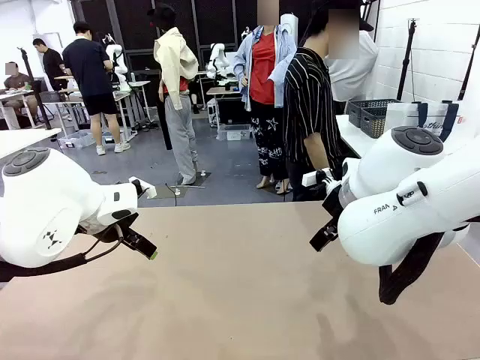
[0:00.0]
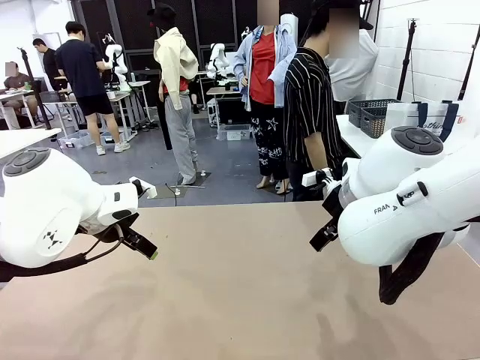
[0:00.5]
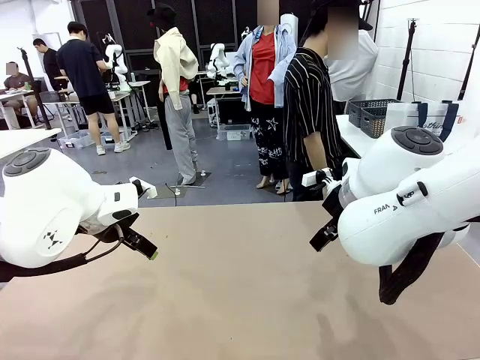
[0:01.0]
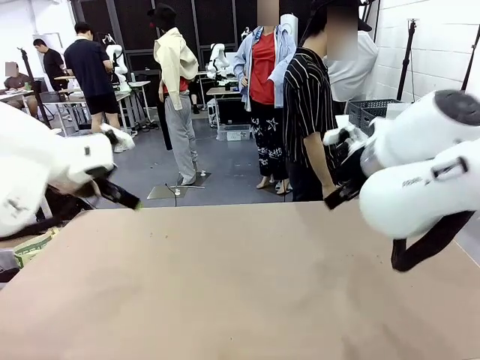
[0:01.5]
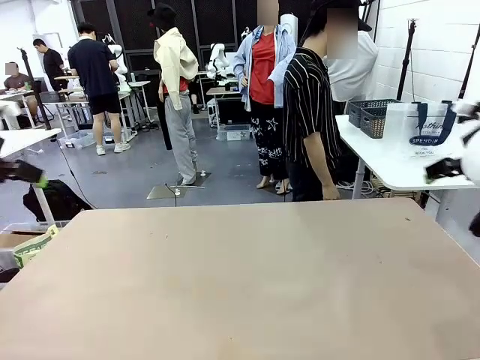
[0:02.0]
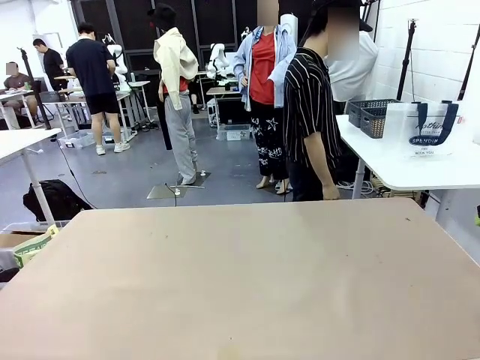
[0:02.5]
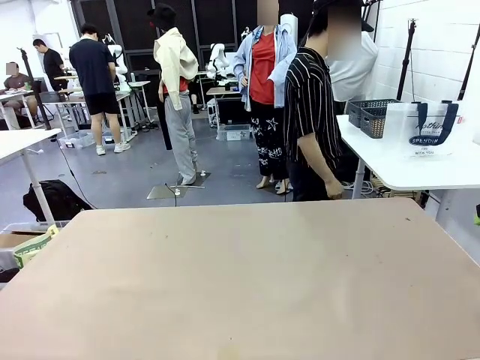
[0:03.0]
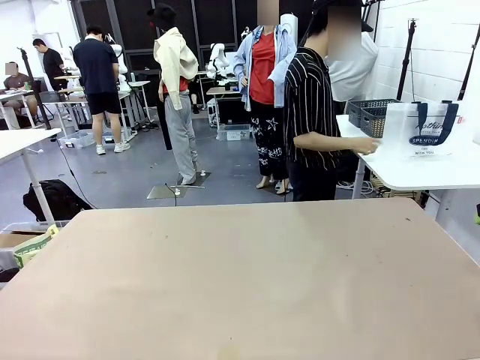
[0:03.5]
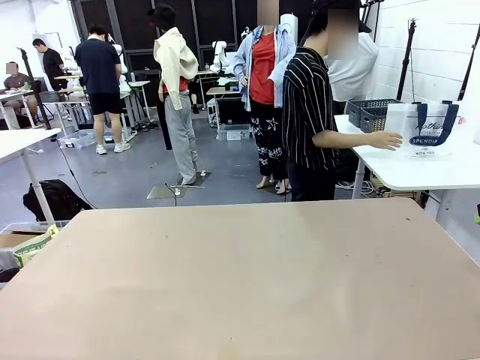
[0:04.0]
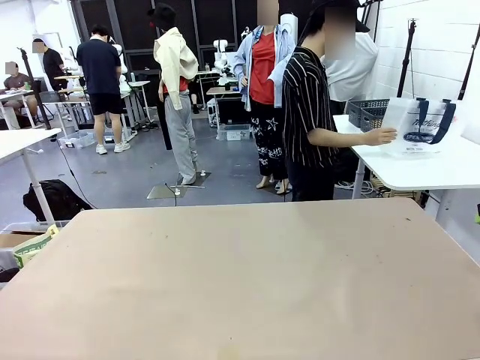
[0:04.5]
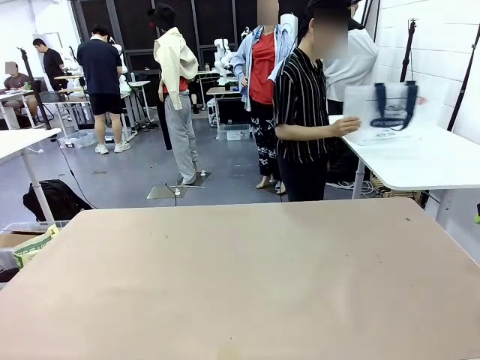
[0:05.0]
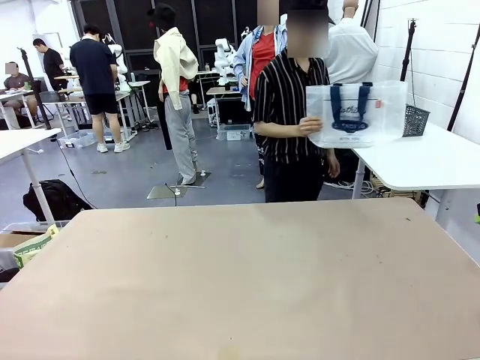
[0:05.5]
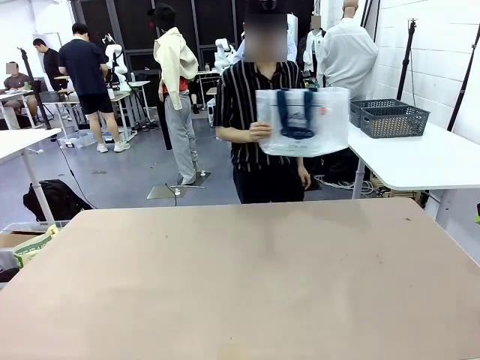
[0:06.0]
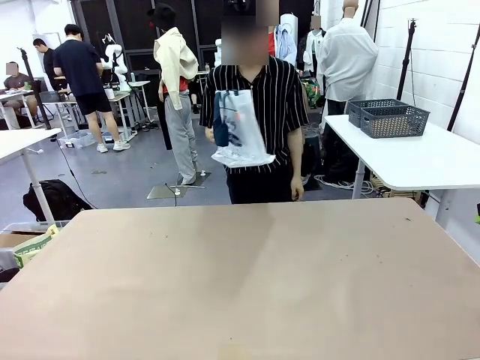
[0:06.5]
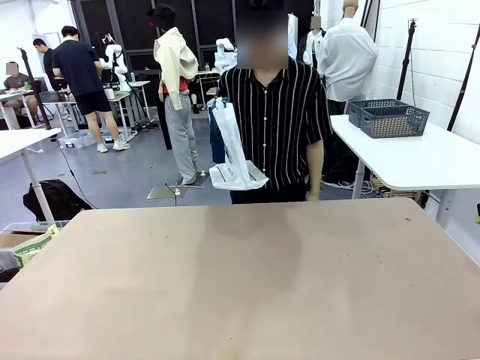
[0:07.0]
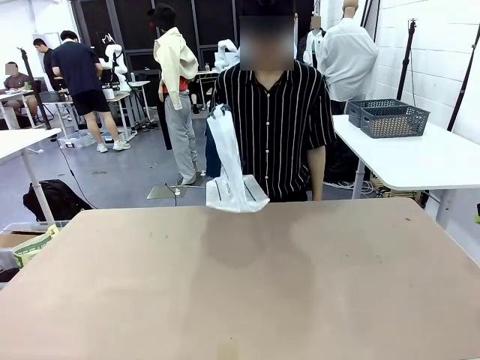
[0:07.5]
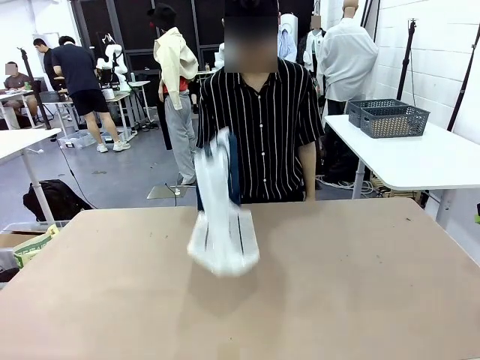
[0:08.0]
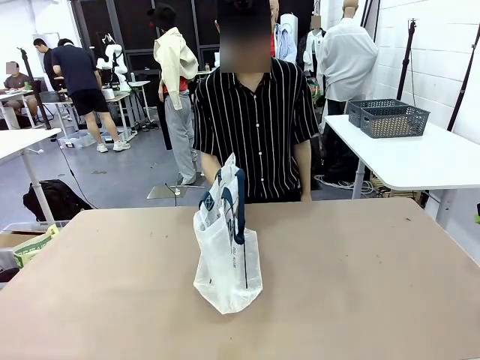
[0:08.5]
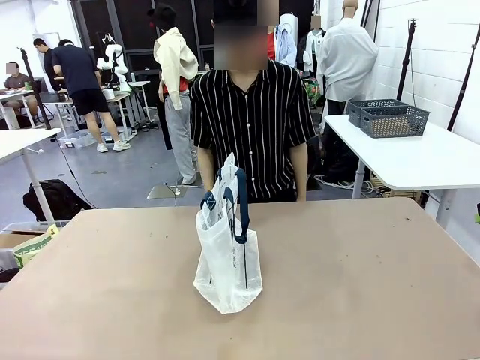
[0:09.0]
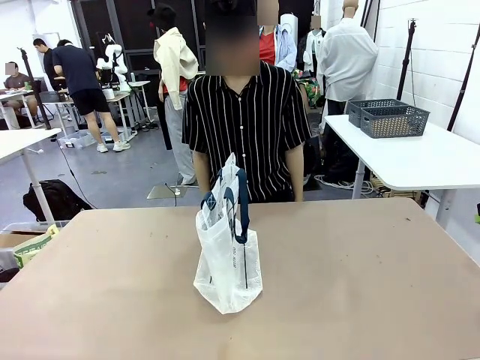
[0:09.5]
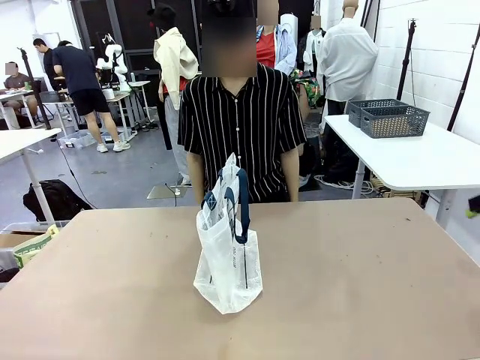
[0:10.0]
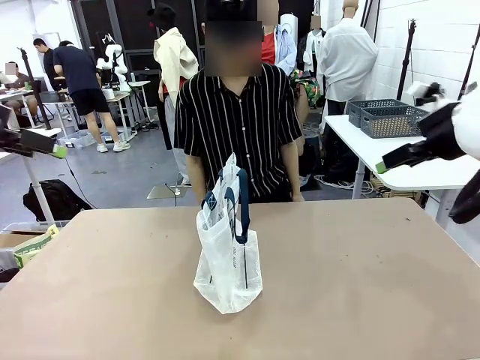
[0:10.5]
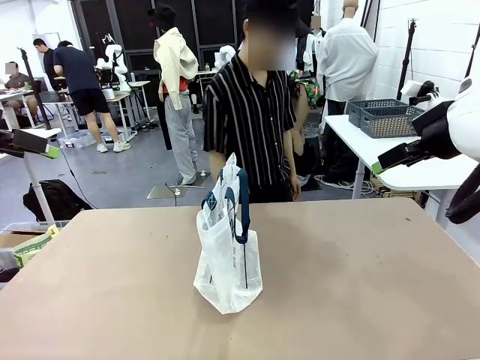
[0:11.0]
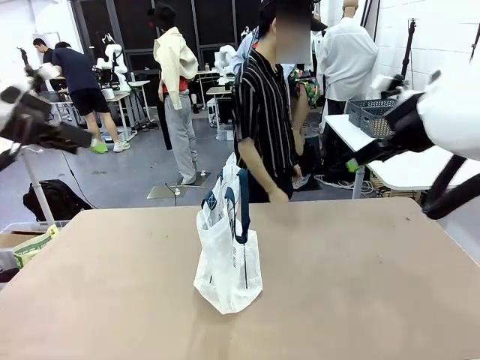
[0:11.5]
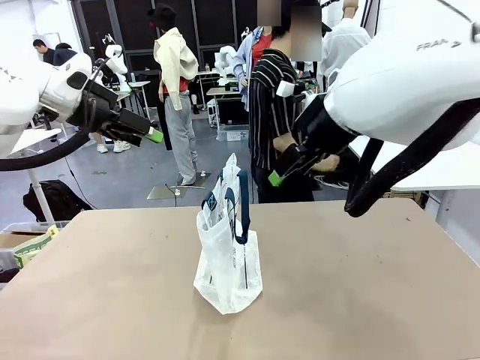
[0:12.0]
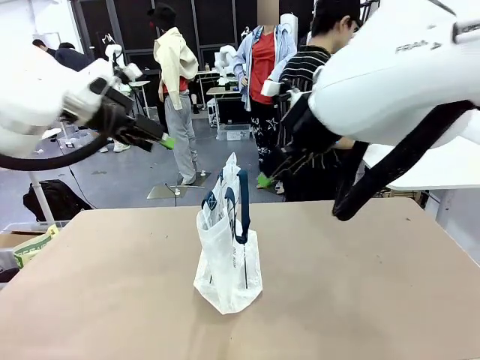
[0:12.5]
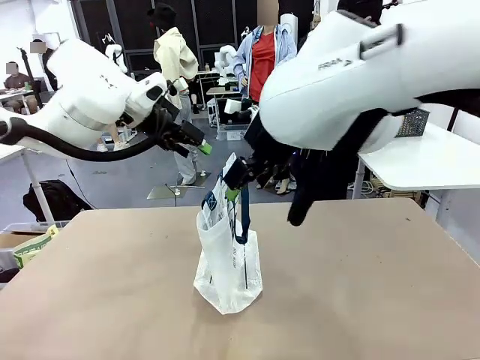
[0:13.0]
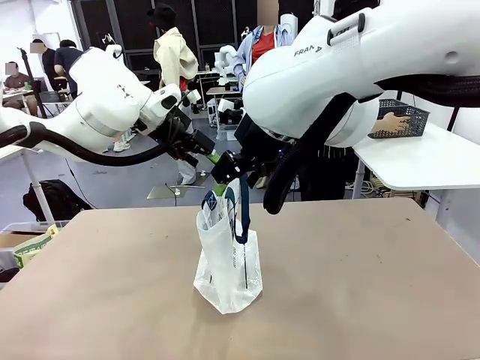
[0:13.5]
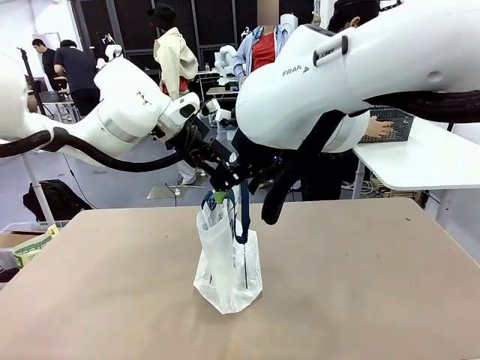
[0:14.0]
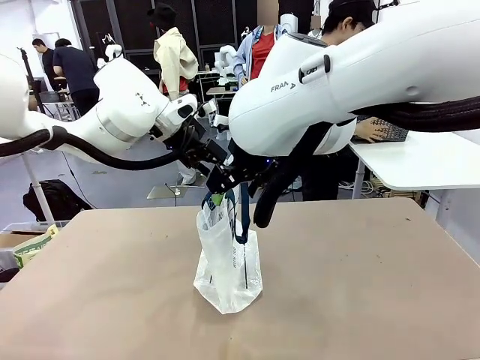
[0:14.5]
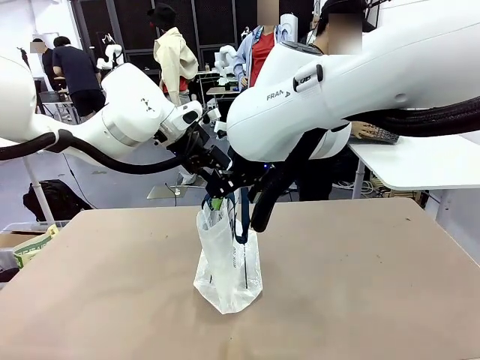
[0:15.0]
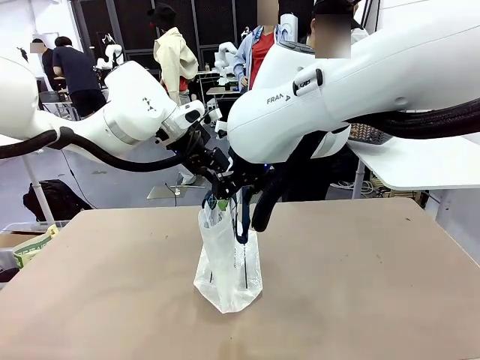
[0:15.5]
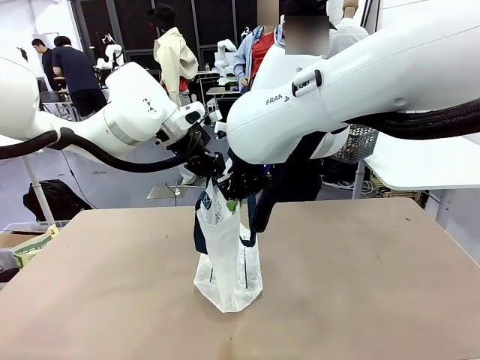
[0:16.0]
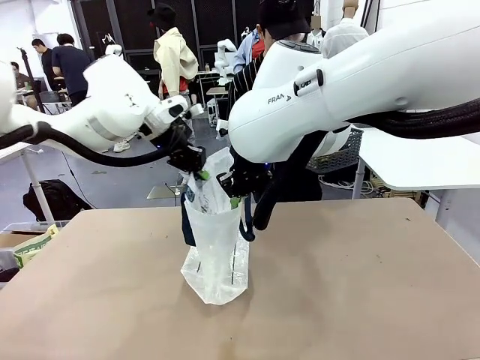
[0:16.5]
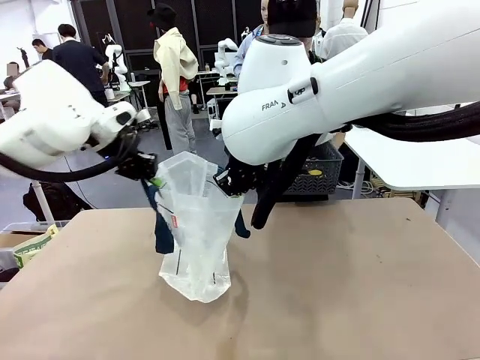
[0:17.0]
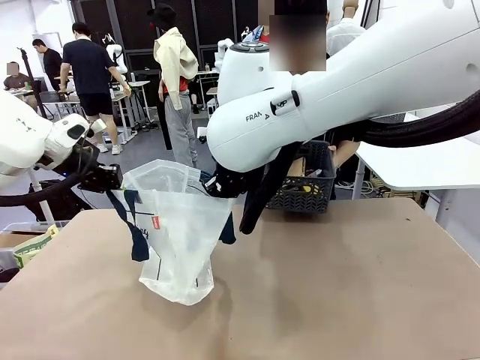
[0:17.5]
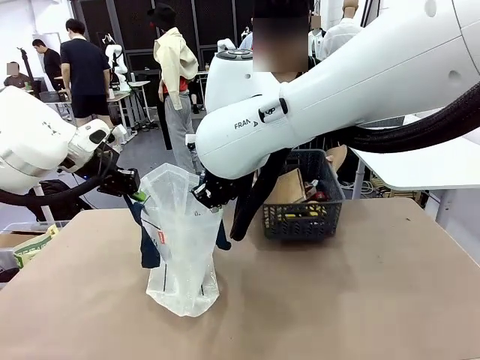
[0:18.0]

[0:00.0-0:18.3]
Task: Transfer purchased items from the store into the shopping bag.
Robot: Open the Reusable shopping bag in the center of the table.
Person: Pick up the shopping bag and place it in the middle of the robot table. Pick up the basket on the right, place it on the left side of the robot table, and move the items in the basket to the shopping bag.
